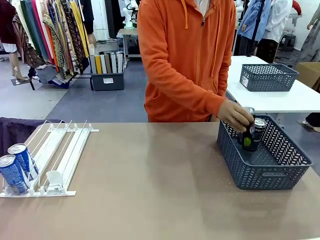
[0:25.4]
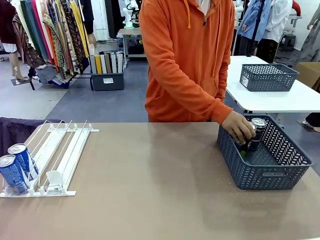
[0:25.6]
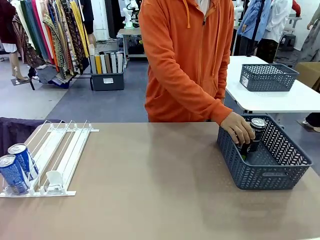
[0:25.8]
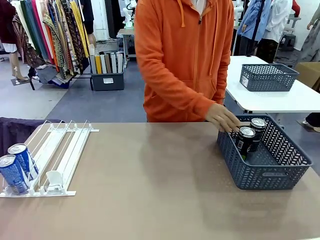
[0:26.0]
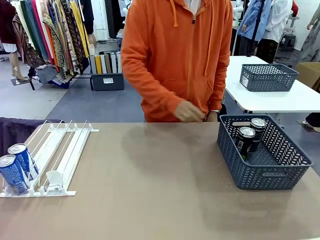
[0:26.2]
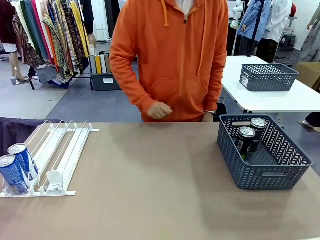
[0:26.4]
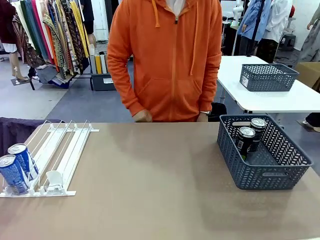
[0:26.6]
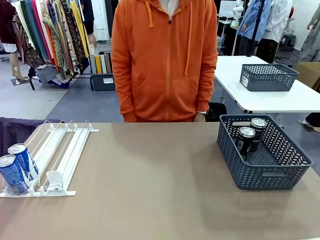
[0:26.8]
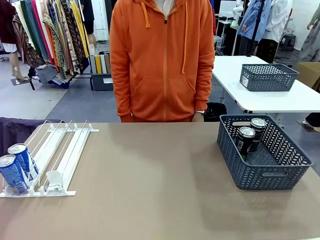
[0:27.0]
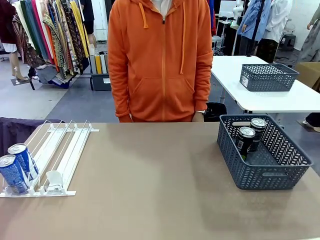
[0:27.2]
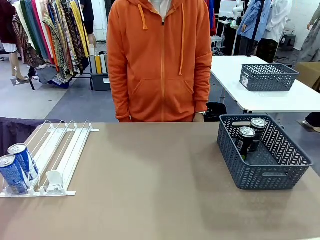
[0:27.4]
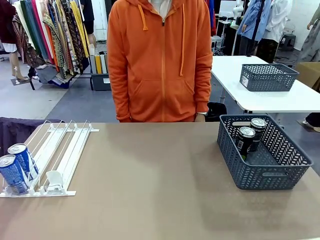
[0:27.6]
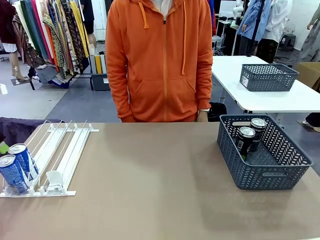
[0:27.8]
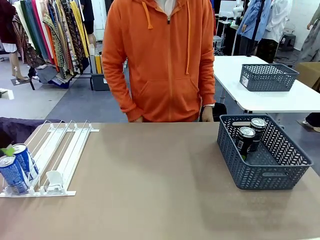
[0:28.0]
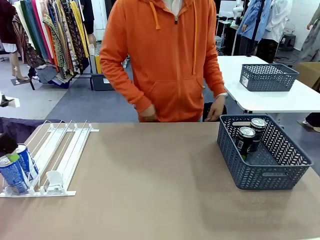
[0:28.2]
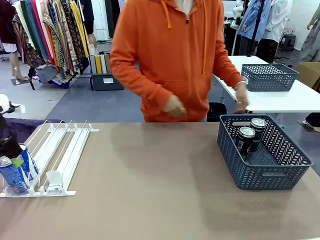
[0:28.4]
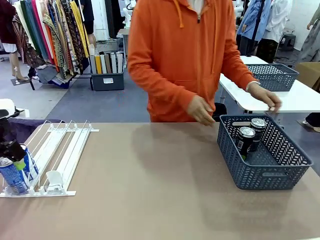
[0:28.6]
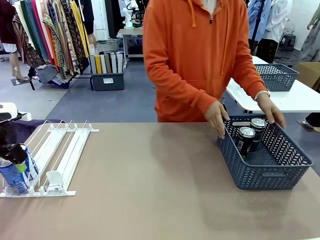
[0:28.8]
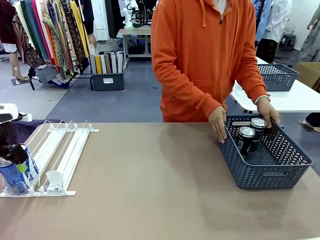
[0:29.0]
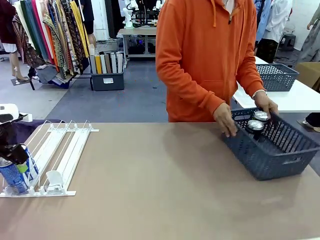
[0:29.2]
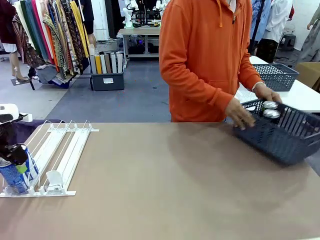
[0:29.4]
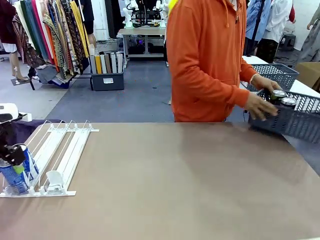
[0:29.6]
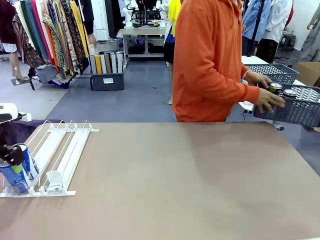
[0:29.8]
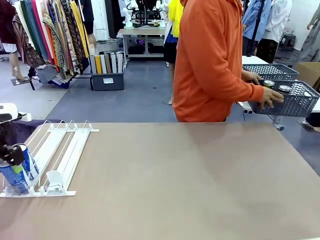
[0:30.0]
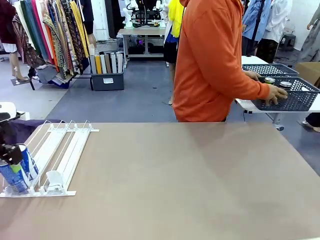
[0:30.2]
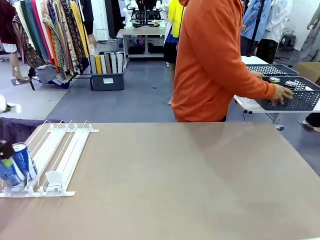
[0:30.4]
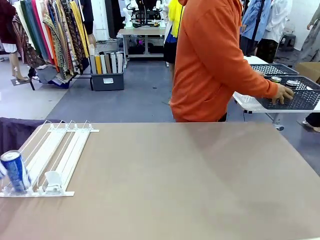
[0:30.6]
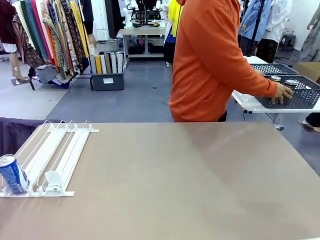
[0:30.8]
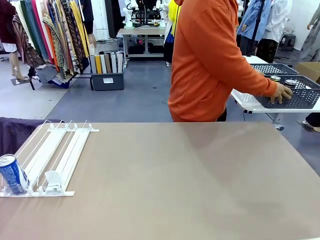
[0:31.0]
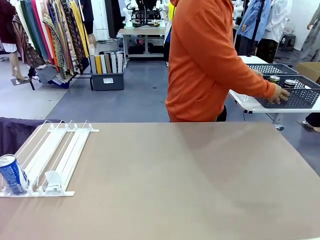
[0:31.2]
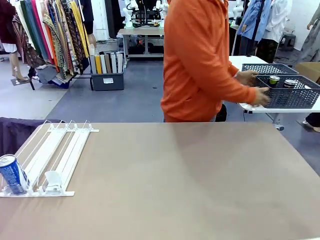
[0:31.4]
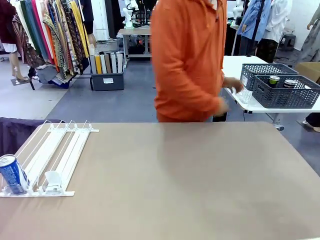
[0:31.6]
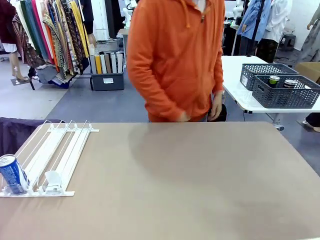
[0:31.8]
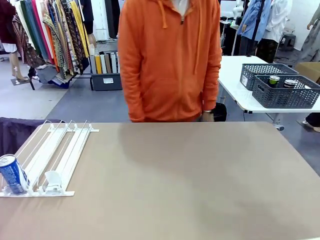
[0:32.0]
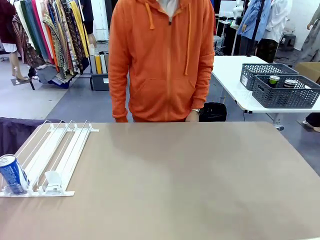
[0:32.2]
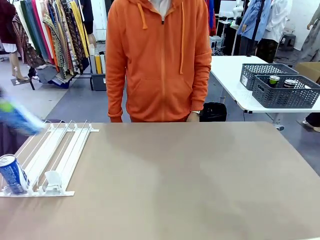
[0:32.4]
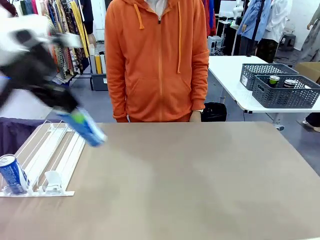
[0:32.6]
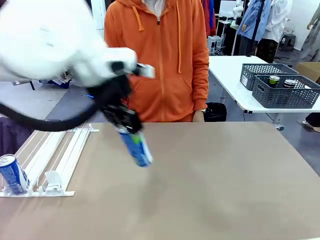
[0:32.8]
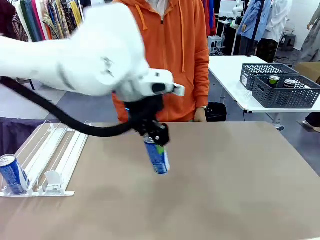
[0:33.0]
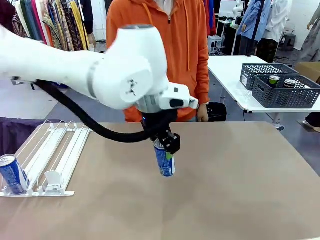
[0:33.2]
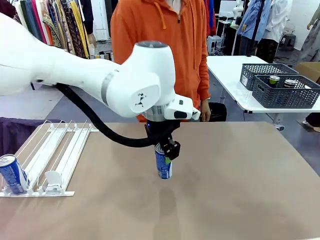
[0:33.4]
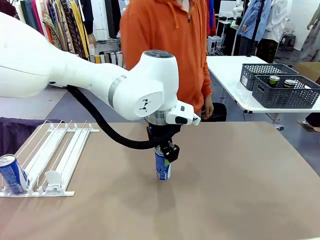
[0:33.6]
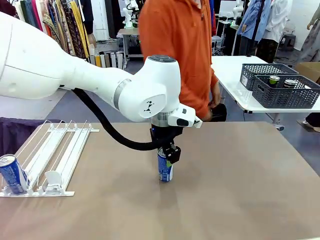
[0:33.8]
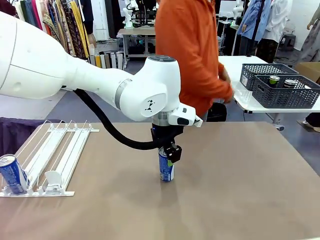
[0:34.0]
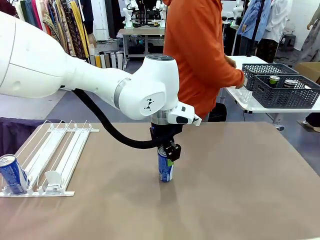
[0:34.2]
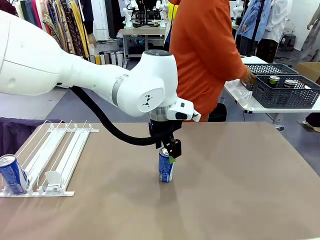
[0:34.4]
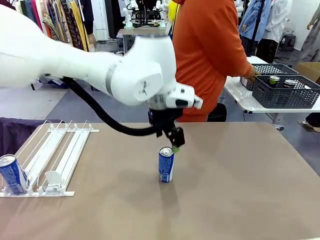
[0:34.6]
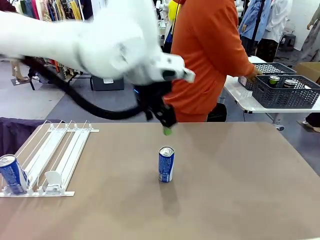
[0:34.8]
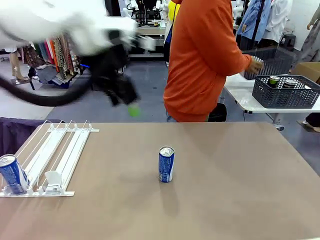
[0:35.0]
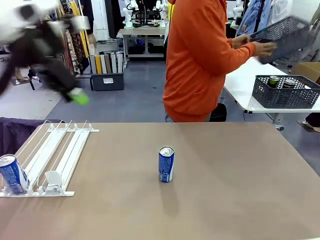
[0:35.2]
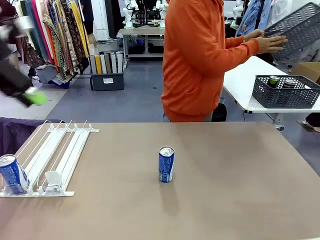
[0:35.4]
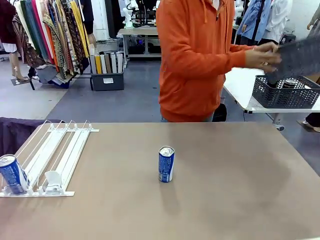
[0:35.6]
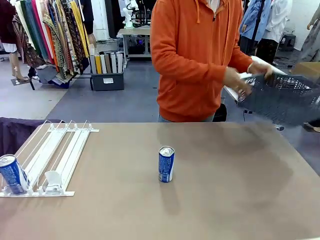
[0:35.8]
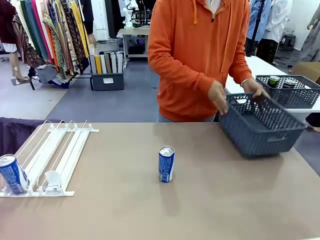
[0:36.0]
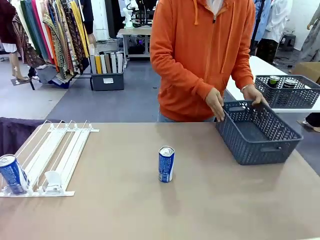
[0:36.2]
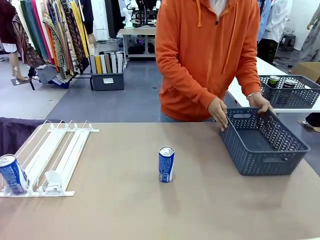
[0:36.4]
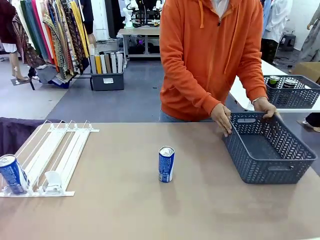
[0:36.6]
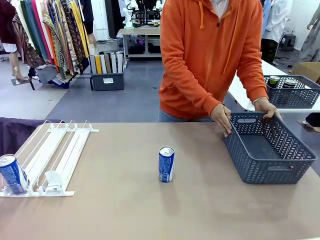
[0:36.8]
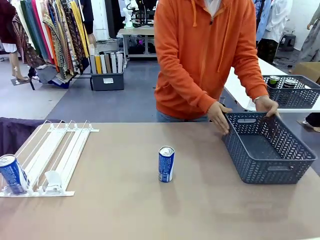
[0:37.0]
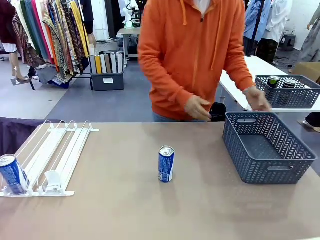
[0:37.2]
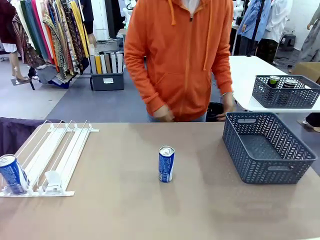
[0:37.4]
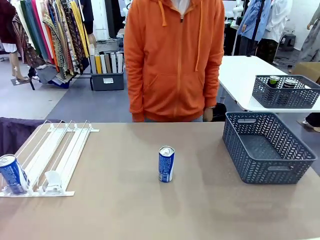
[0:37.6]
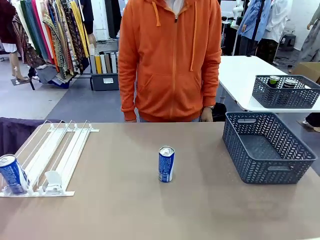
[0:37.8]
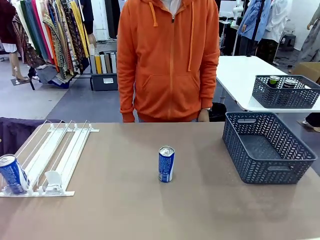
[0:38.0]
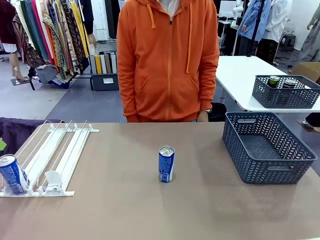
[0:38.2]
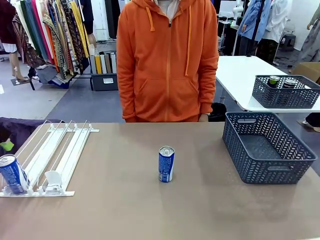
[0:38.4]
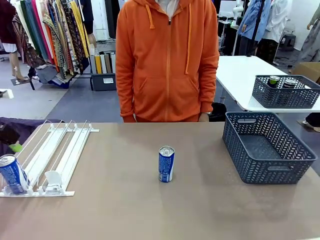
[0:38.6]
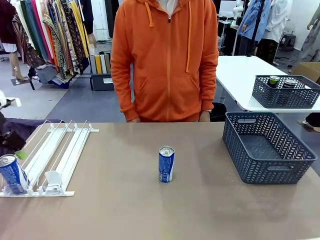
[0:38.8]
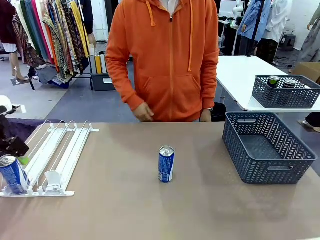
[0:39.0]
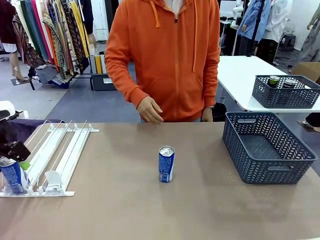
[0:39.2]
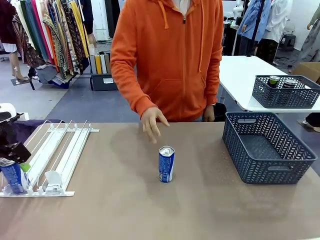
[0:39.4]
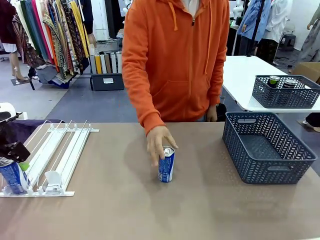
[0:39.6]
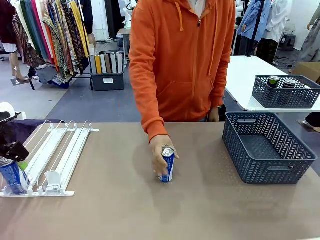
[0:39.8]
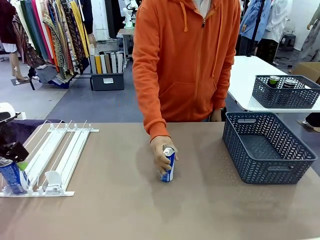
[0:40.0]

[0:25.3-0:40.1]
Task: Retrieve and store the cans from the dispenser.
Robot: Pick up one can from the Automatic Can Dispenser and place it in the middle of the table.
Person: Pick up the basket and place it in the middle of the human table. Pick up the empty basket and place it on the left side of the robot table.
